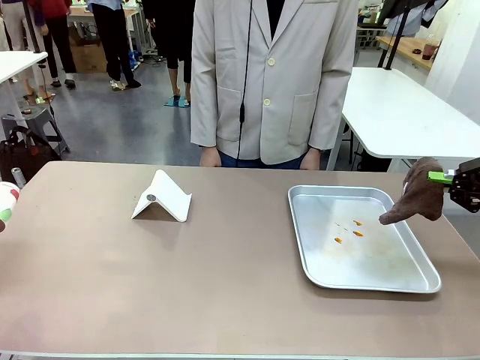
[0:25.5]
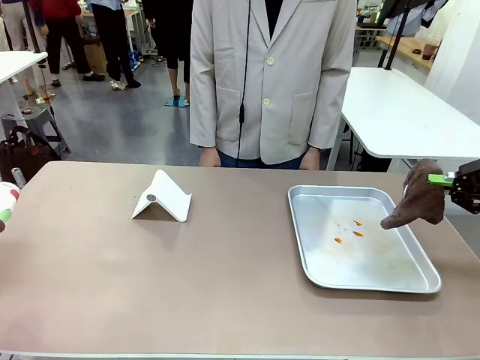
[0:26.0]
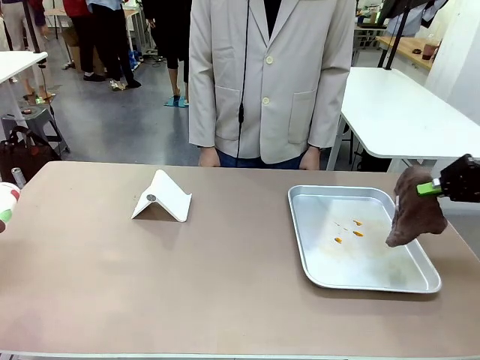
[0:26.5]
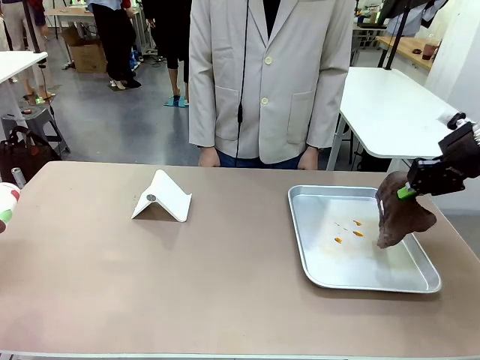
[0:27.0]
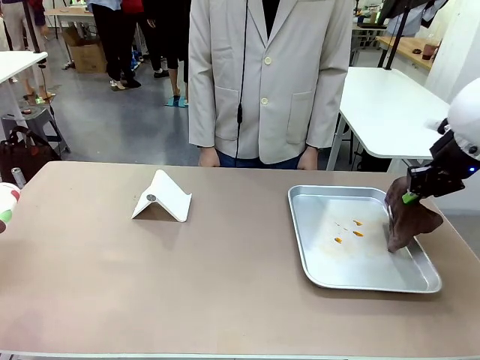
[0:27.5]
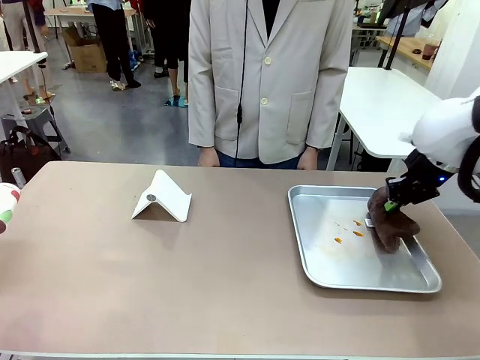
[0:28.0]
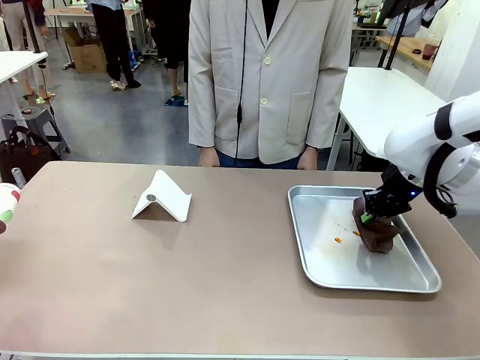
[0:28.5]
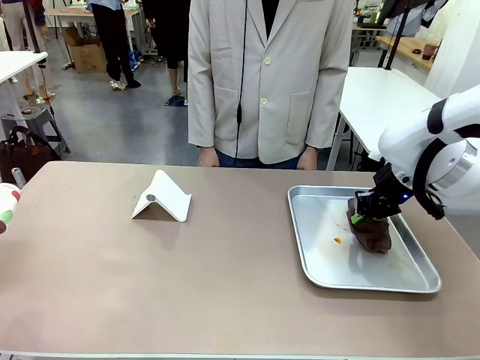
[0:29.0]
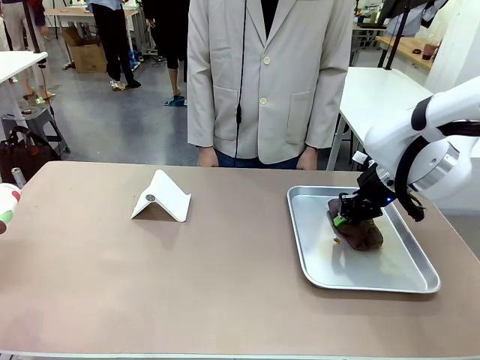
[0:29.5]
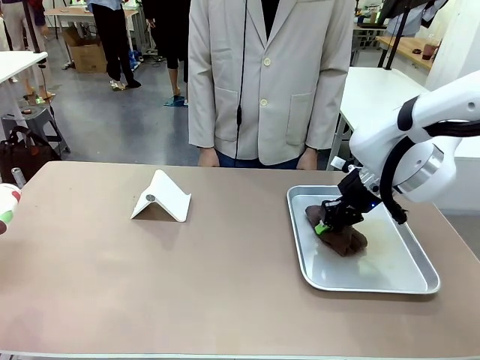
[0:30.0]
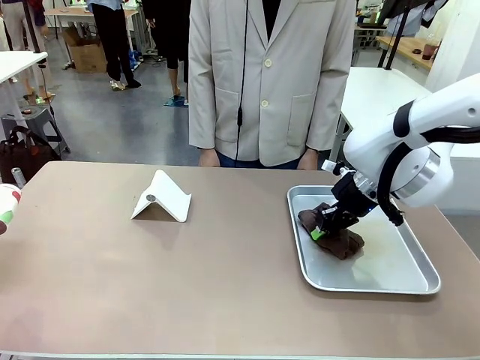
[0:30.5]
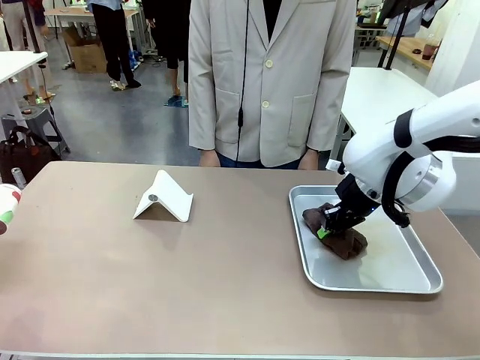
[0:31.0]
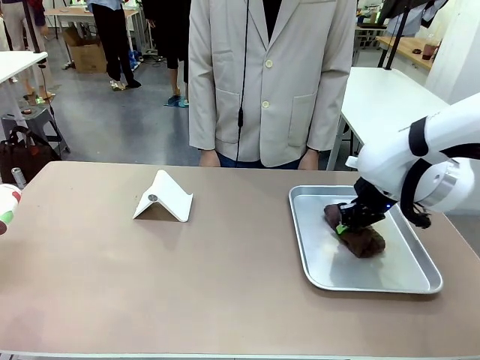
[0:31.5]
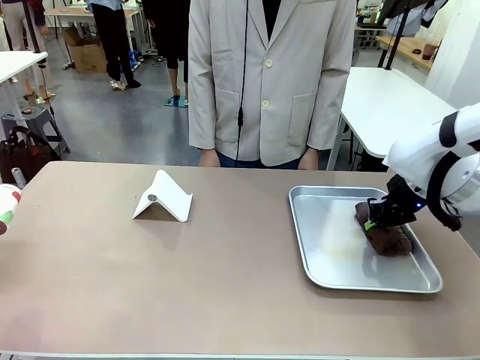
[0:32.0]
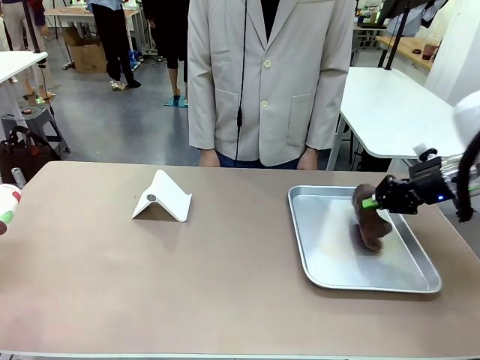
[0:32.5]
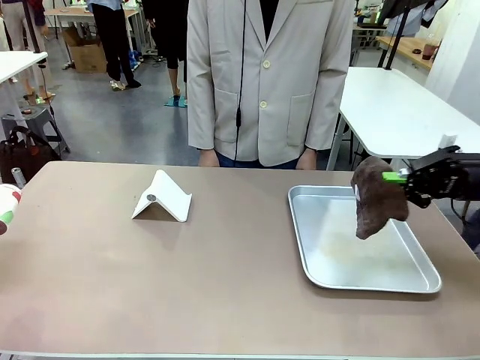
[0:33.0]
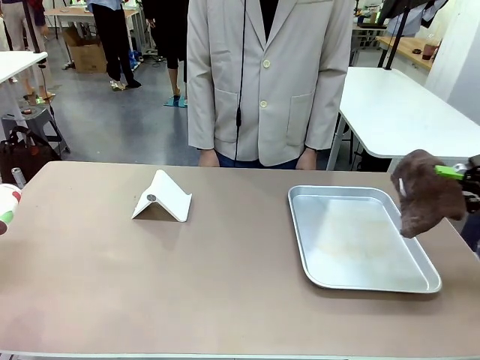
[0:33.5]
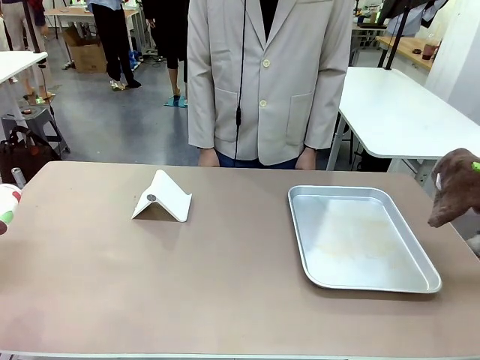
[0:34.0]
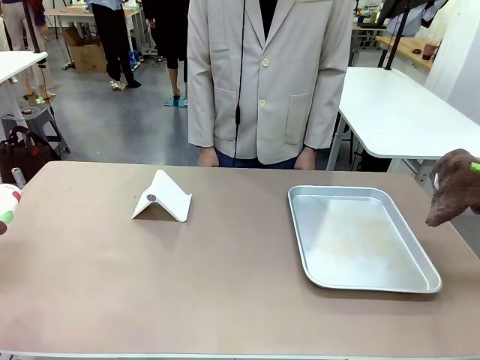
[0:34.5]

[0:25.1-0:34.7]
Task: Clean the surface of the table.
Robot: Clean the area not pointed to by the person.

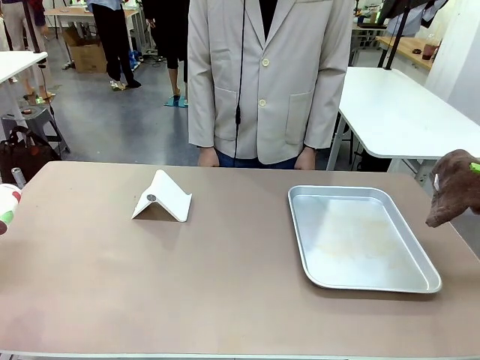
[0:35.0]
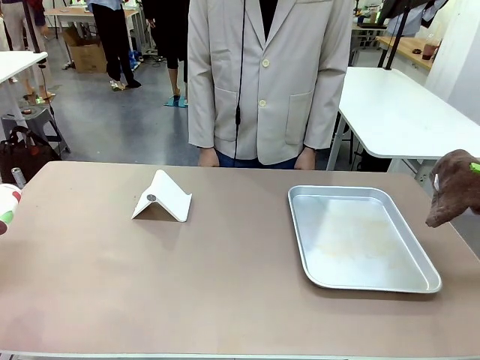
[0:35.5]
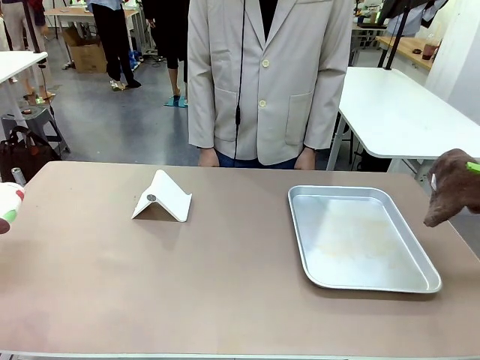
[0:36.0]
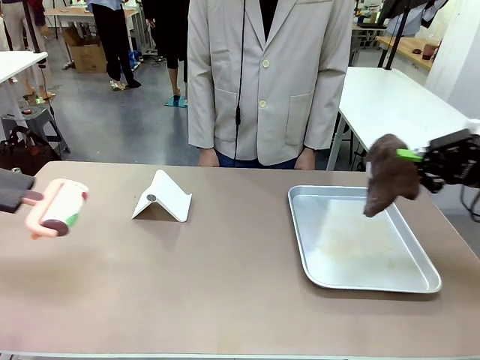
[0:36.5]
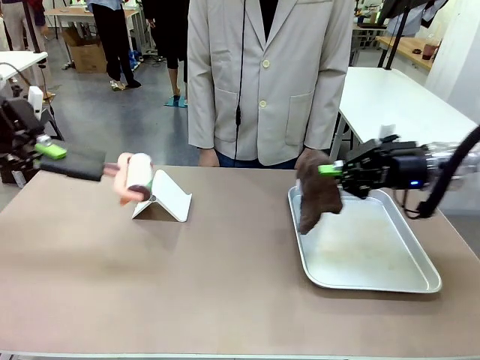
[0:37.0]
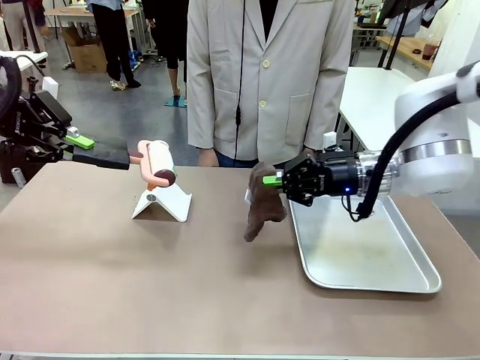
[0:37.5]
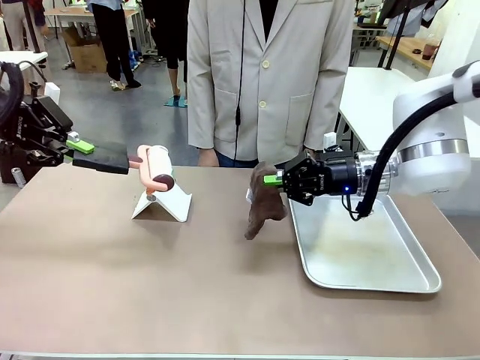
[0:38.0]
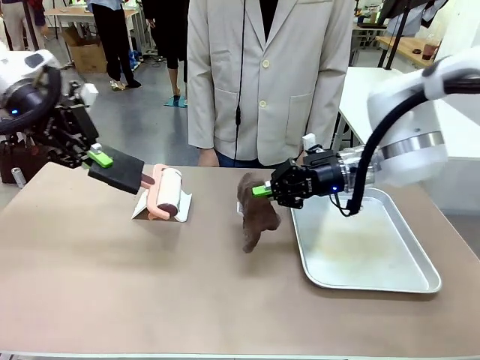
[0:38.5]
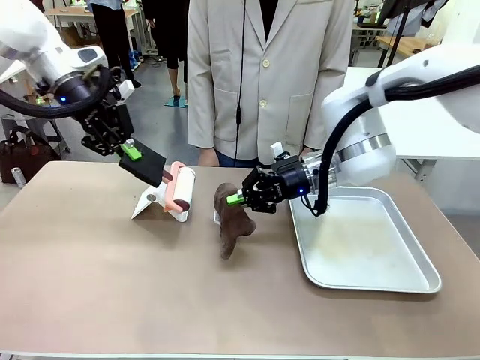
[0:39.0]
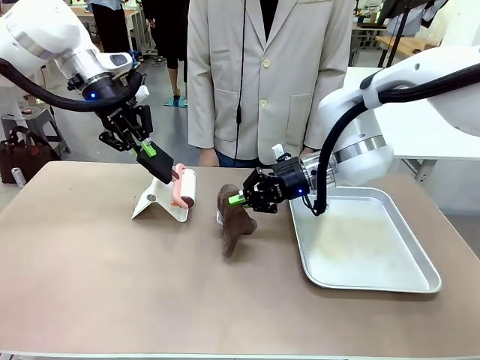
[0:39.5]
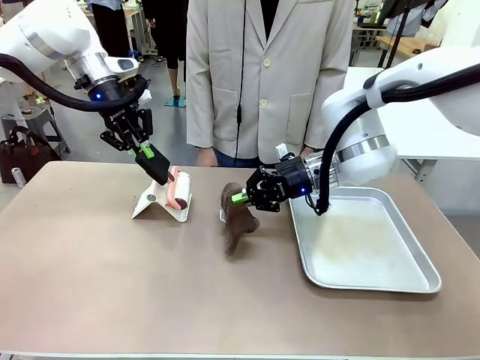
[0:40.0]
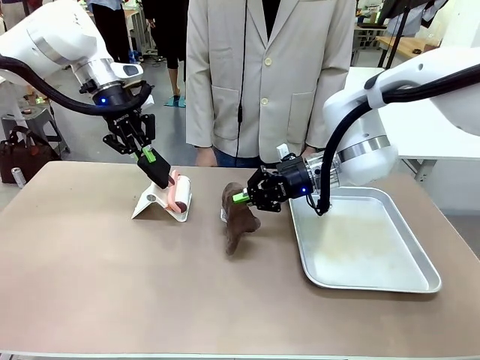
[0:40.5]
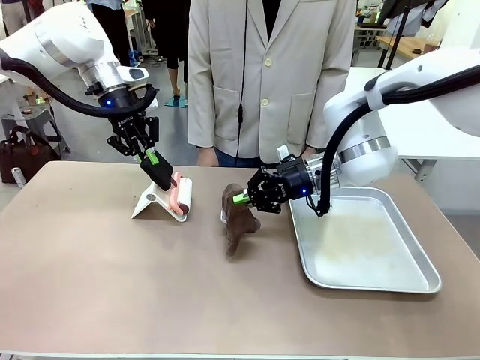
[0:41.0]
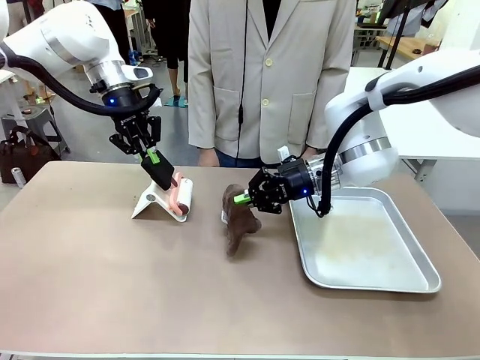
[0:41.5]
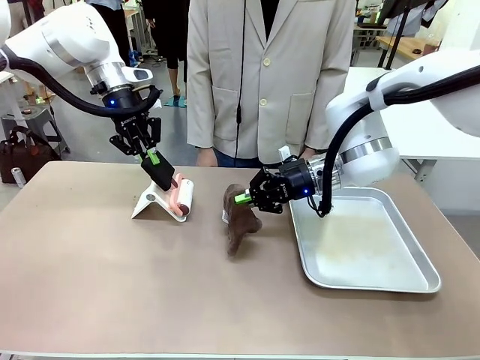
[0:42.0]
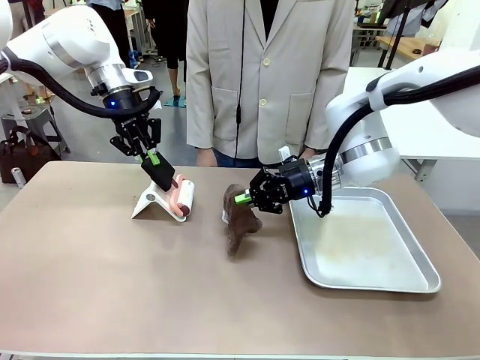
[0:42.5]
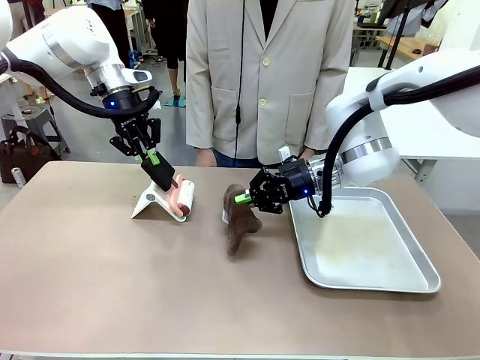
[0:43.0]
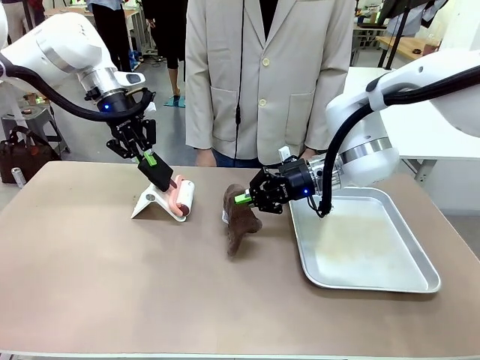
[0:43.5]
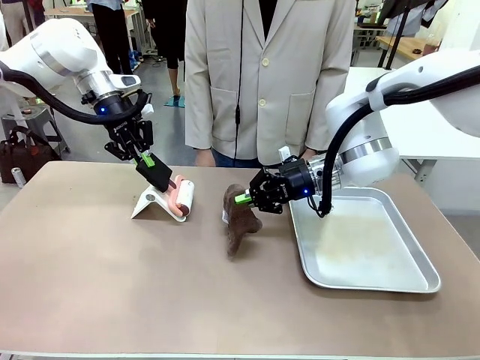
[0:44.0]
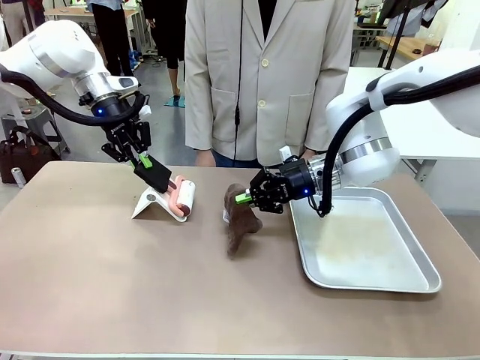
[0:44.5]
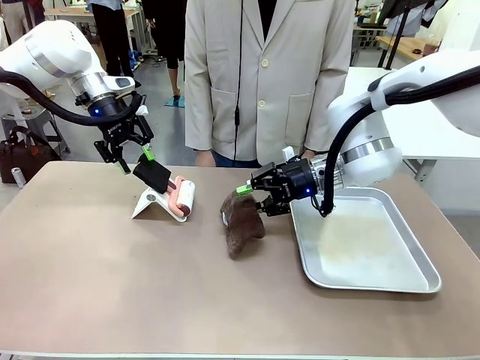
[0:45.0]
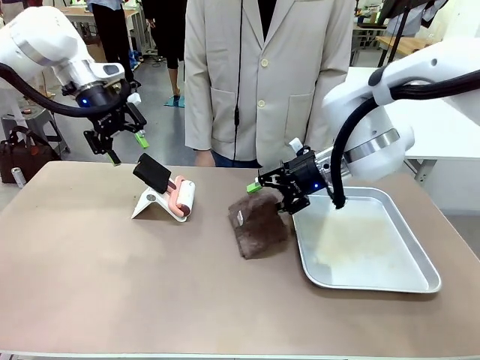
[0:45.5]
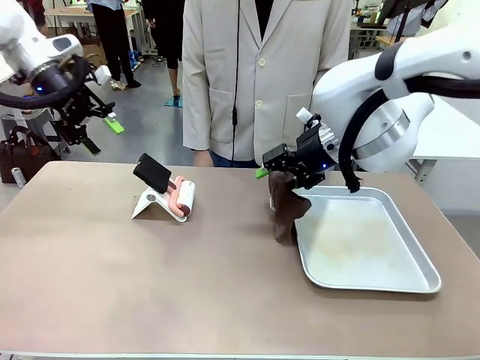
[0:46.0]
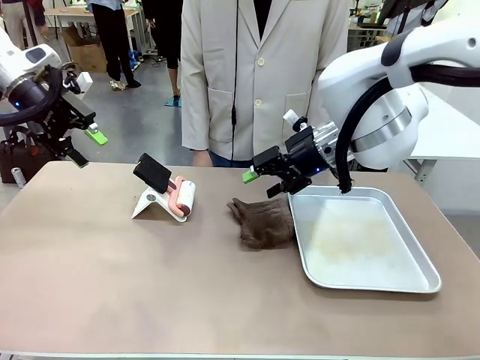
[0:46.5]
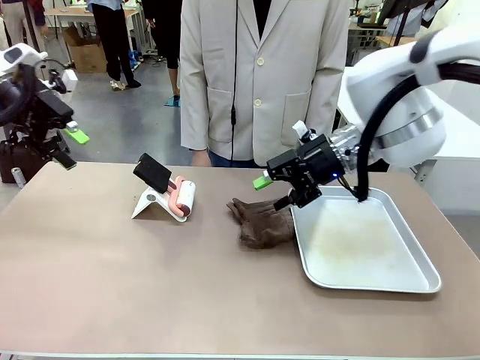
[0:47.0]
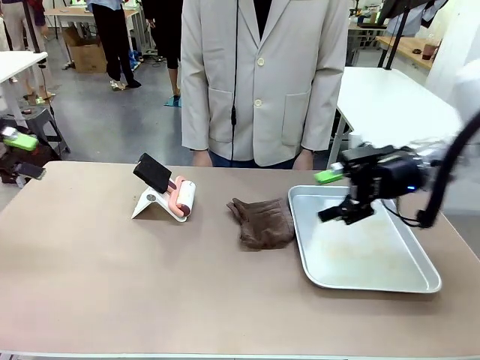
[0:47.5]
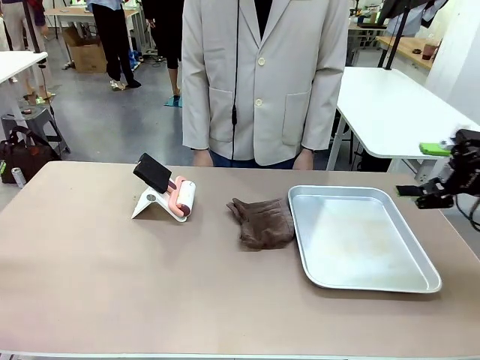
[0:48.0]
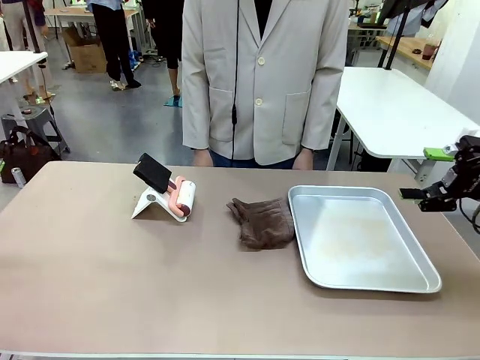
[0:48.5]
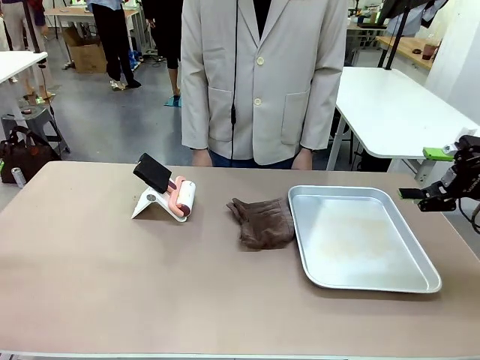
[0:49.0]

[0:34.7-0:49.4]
Robot: Return the Lint Roller and towel to their original positions.
